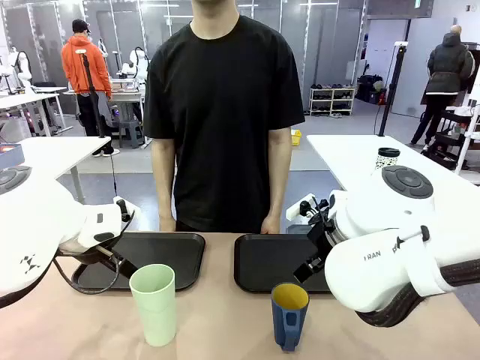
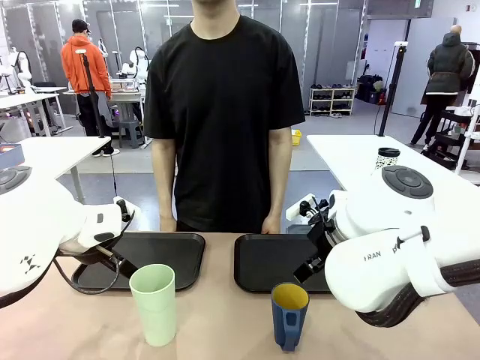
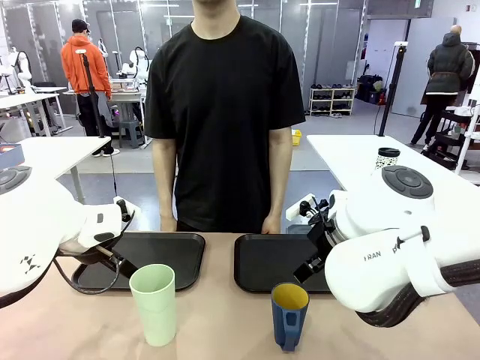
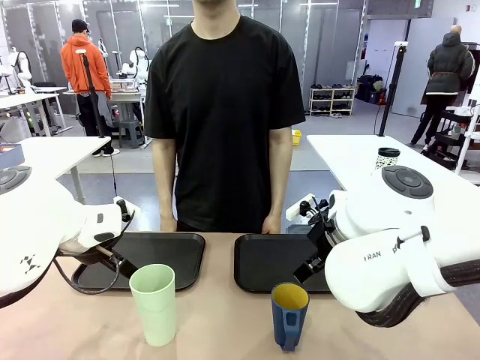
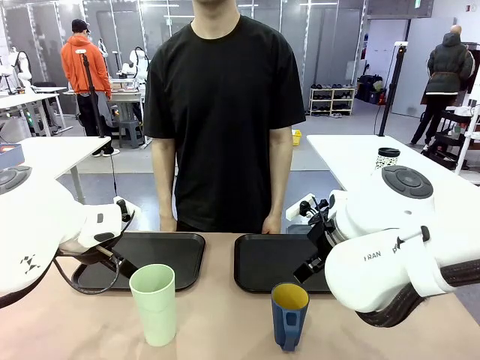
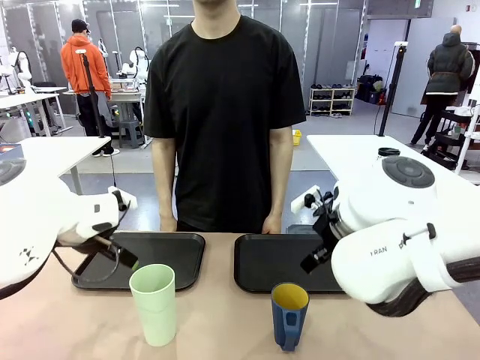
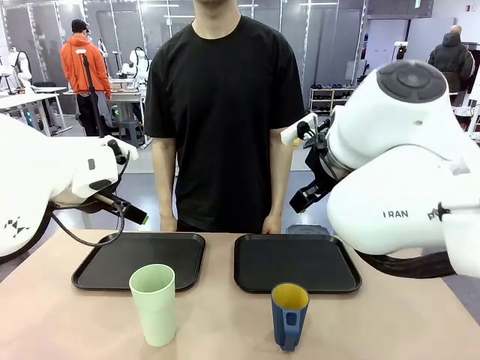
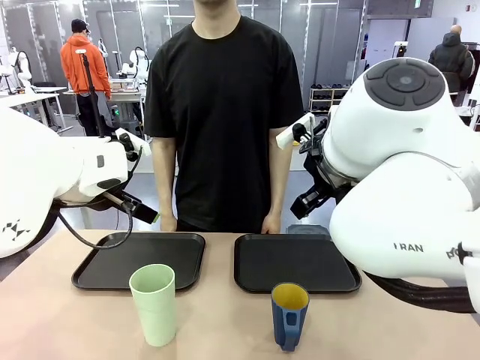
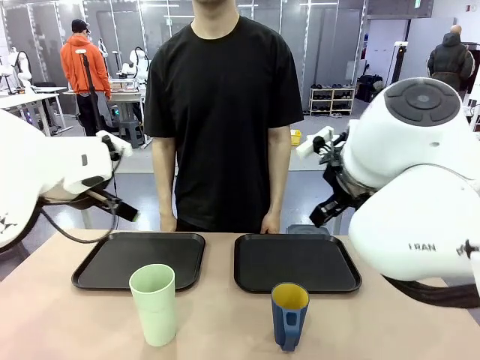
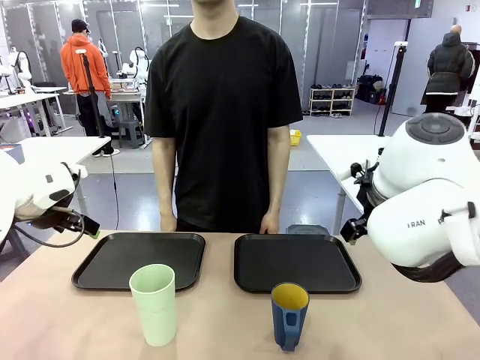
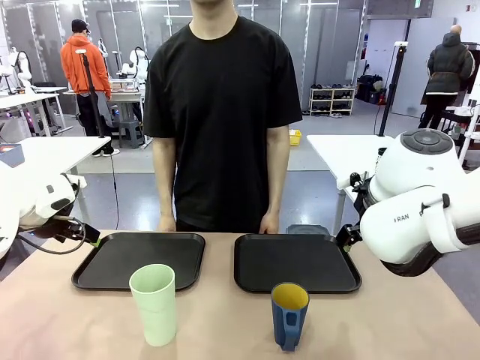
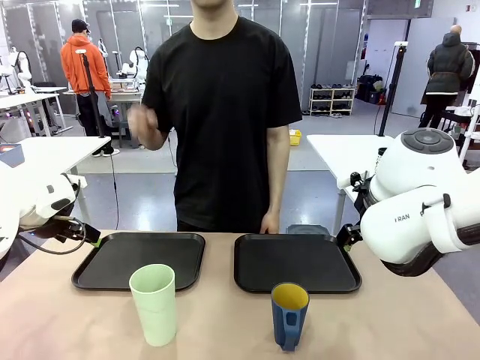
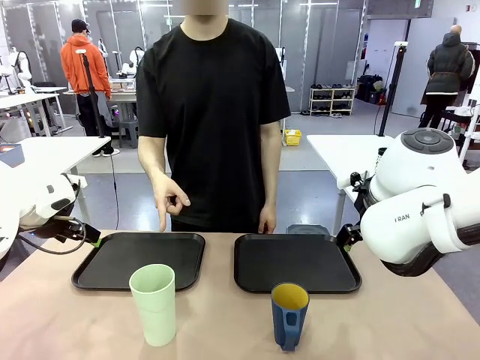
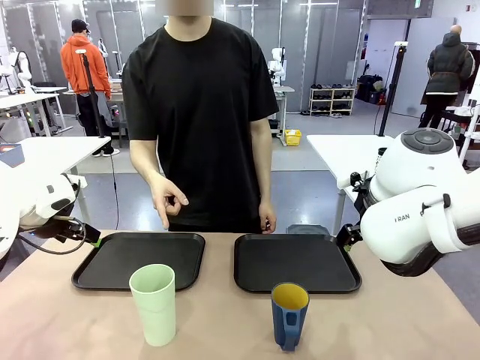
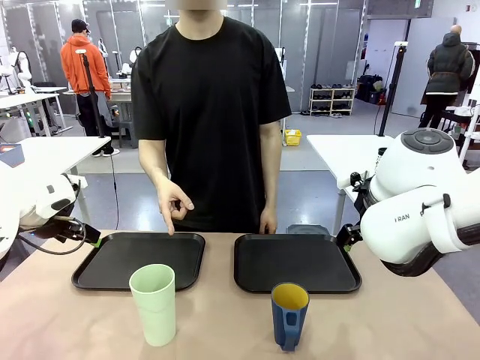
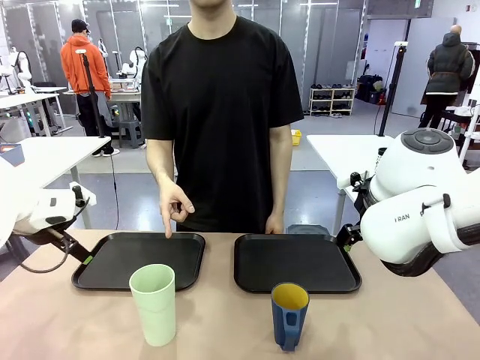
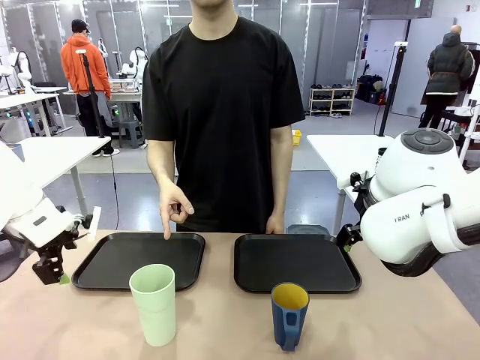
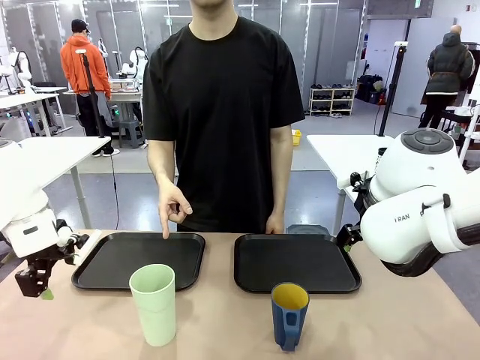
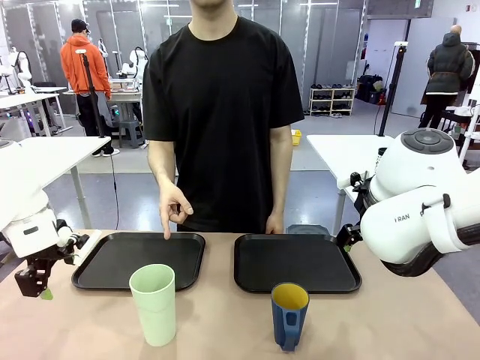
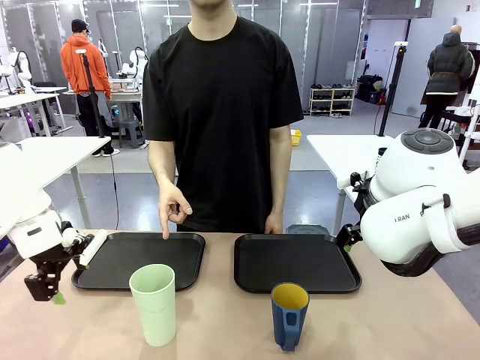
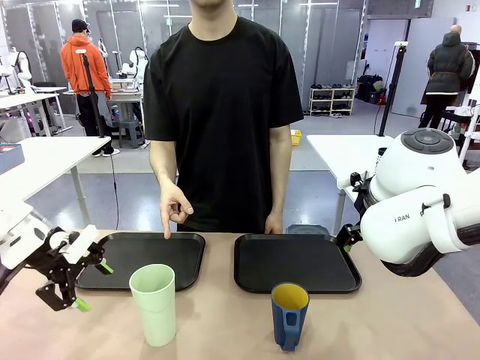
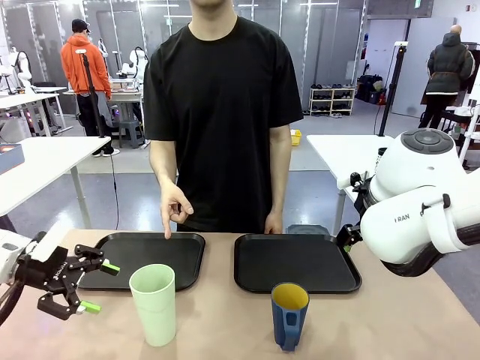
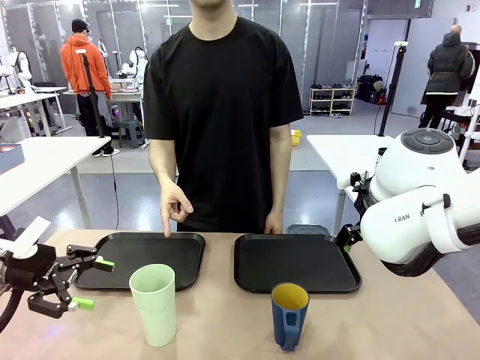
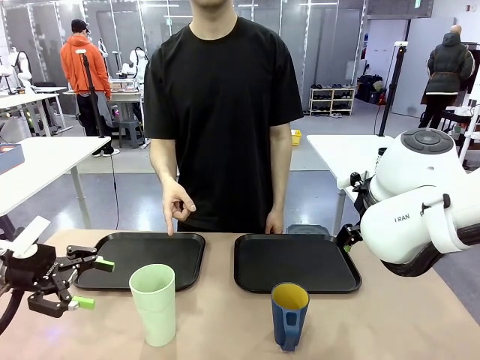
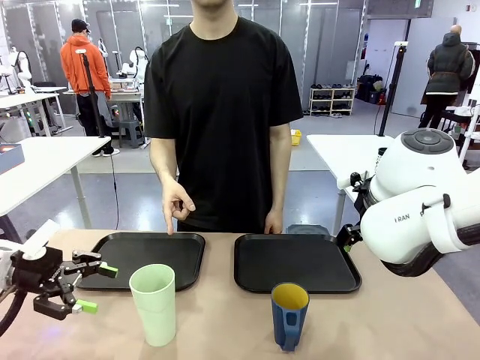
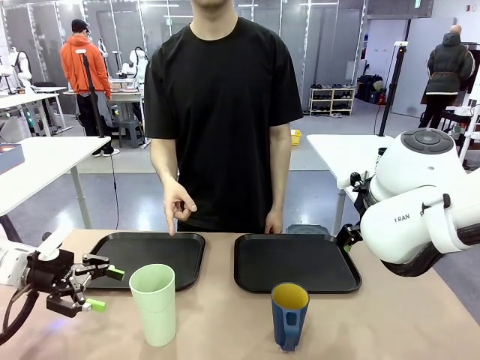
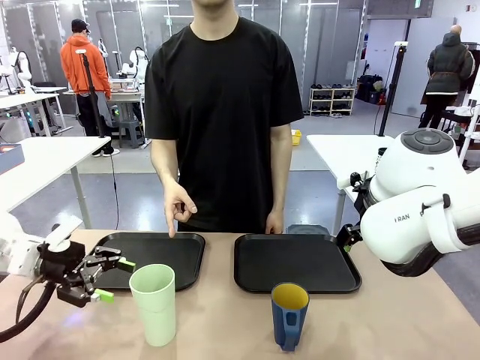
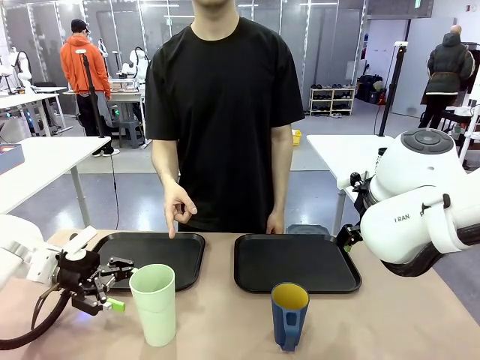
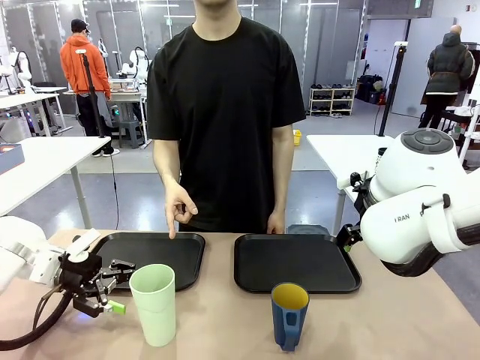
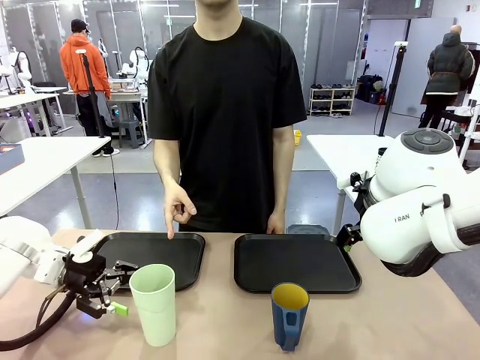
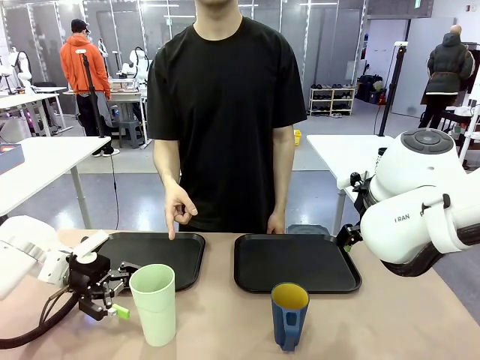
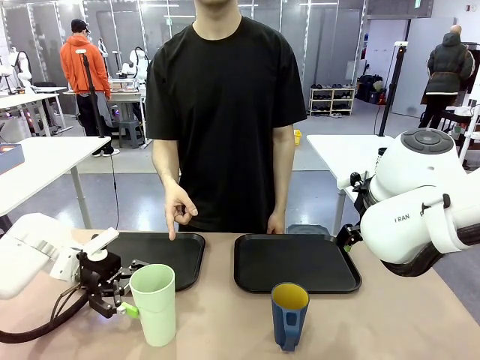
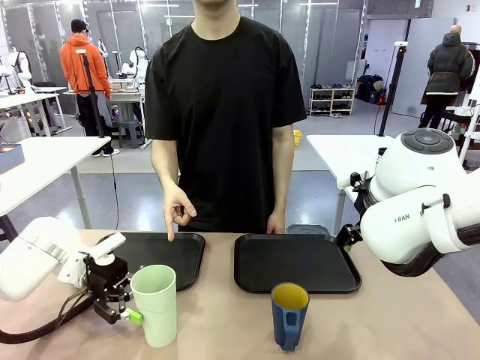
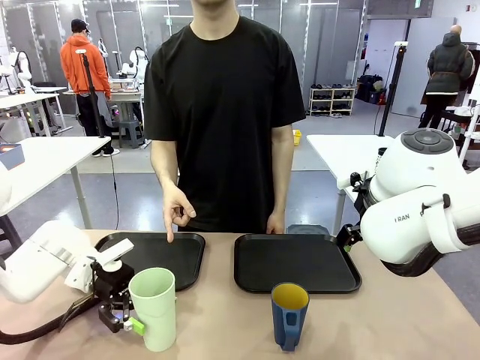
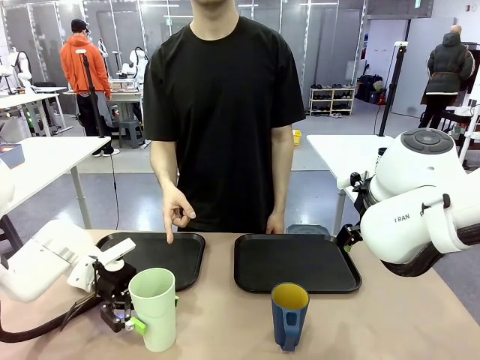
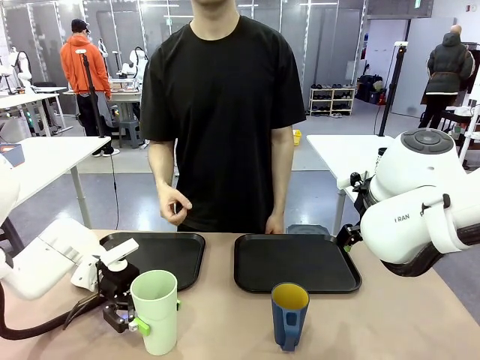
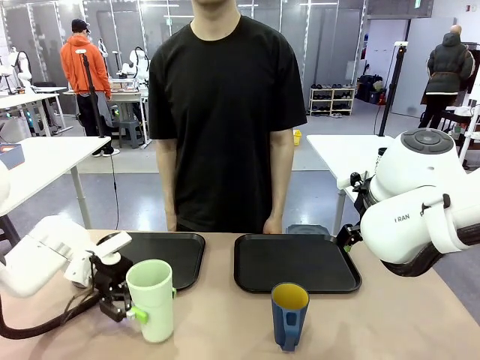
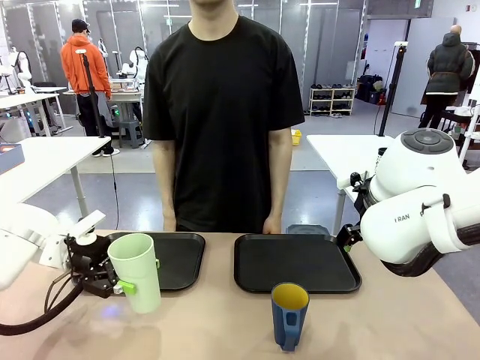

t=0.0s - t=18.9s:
Task: Sort and store the cups by type.
Robot: Pick up the Reusable plastic cup.
Person: Points to the reusable cup. Point to one of the two trays.

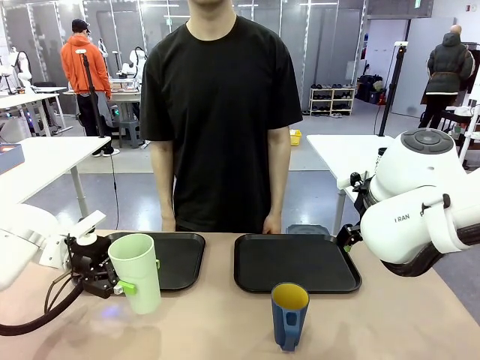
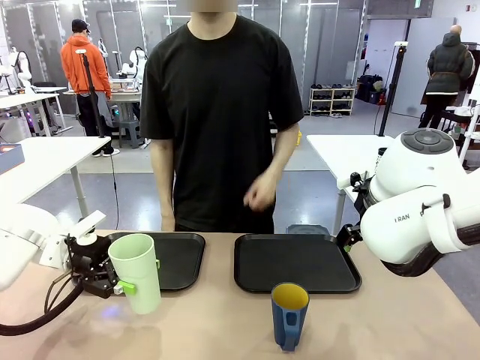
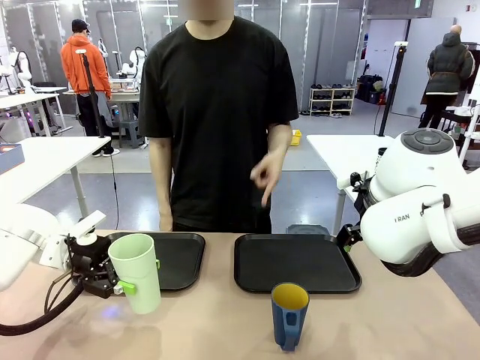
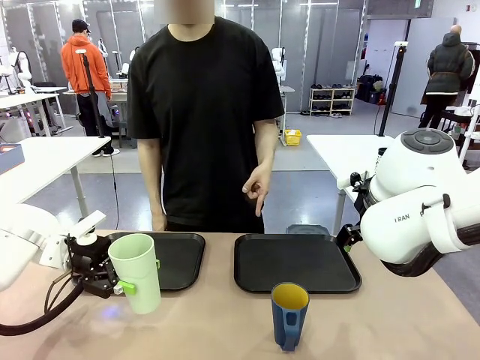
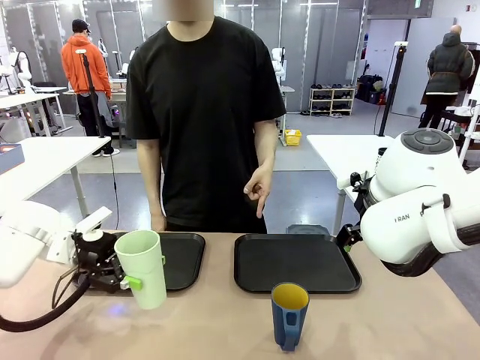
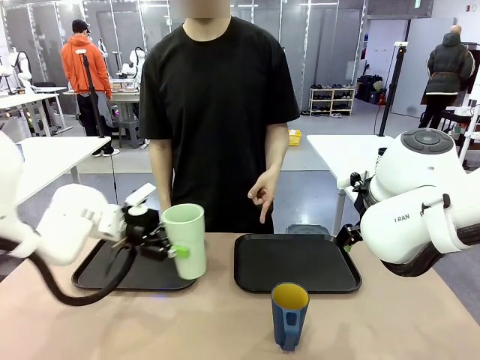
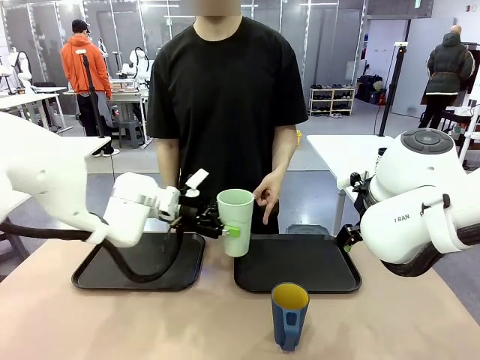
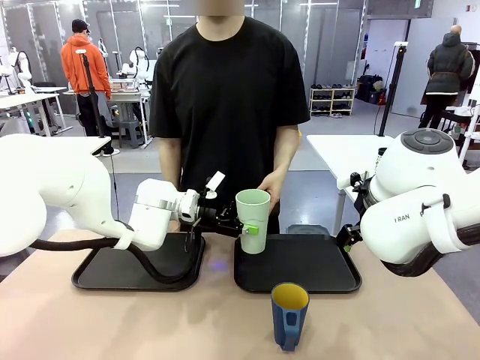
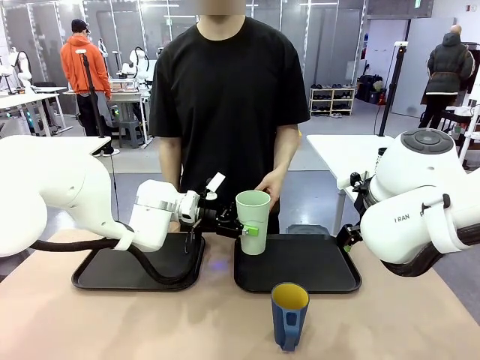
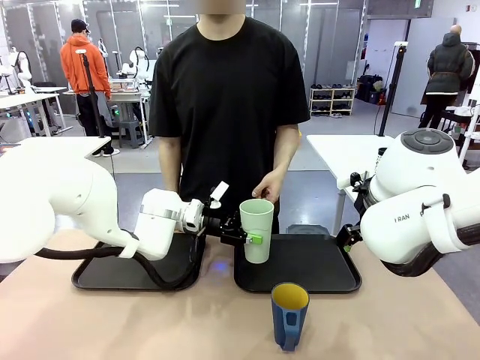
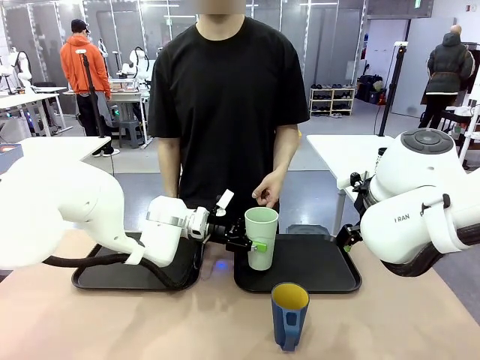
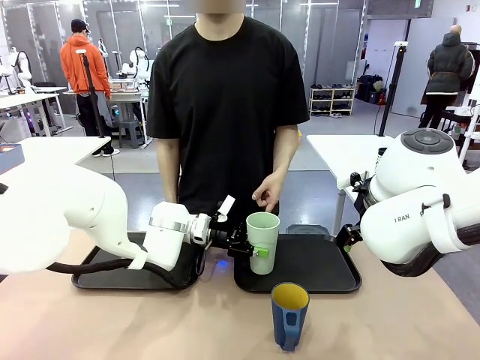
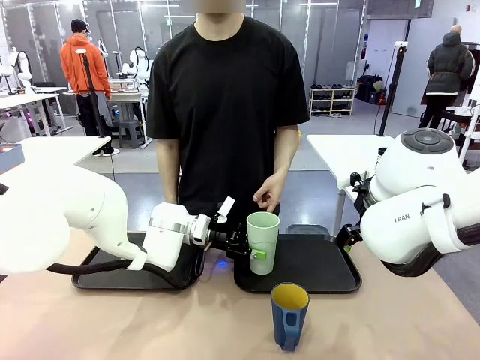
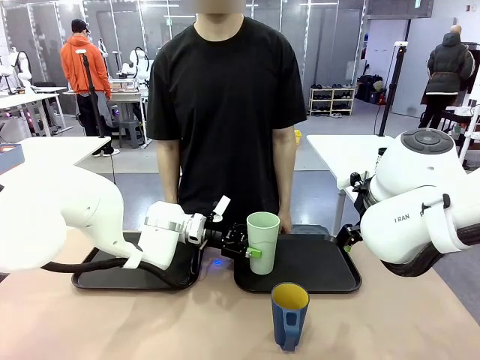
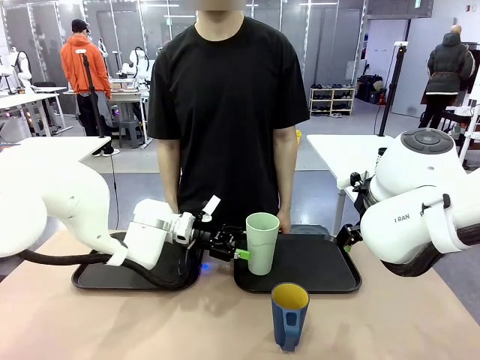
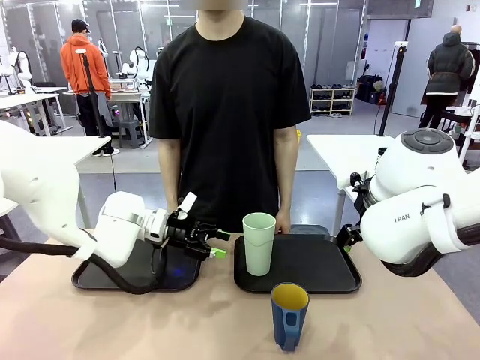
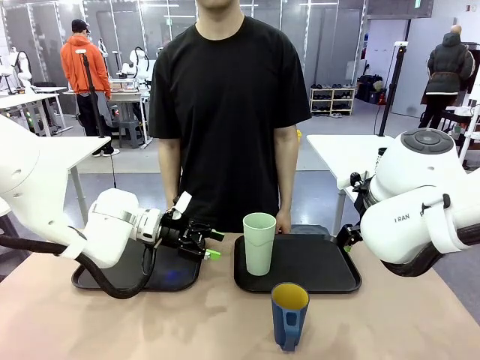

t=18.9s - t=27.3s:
Robot: Place the picked Reusable plastic cup into the Flat Tray indicated by the person.
